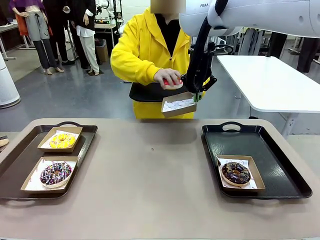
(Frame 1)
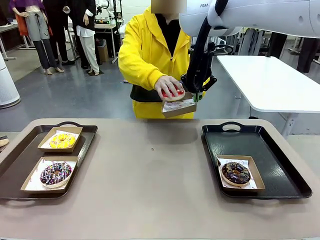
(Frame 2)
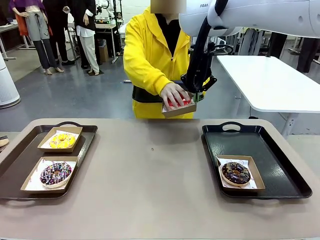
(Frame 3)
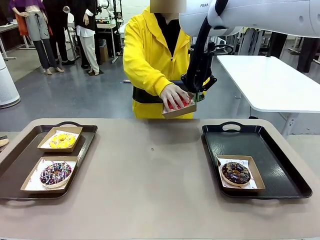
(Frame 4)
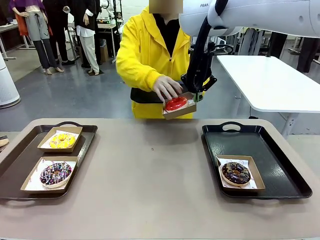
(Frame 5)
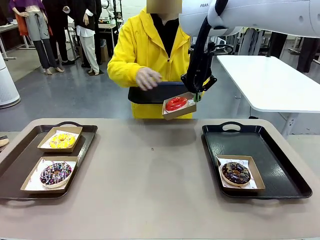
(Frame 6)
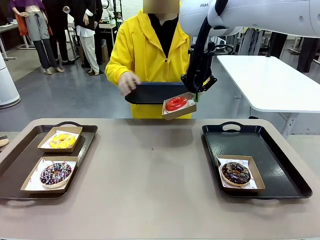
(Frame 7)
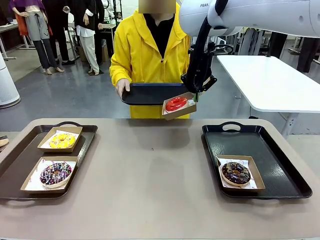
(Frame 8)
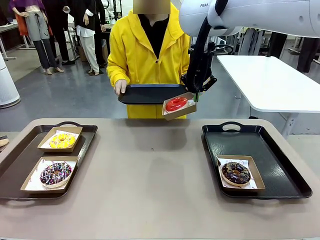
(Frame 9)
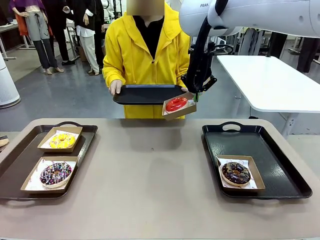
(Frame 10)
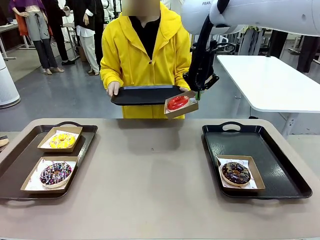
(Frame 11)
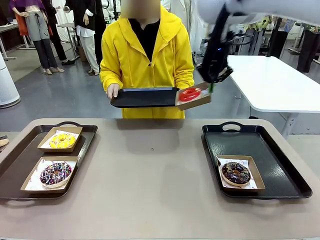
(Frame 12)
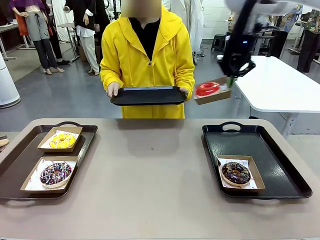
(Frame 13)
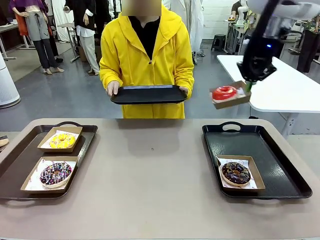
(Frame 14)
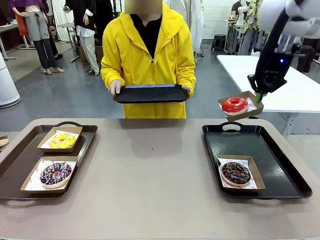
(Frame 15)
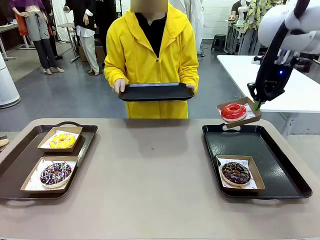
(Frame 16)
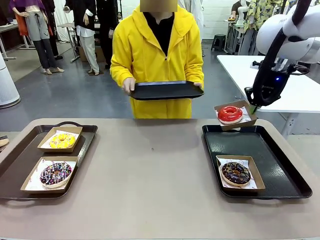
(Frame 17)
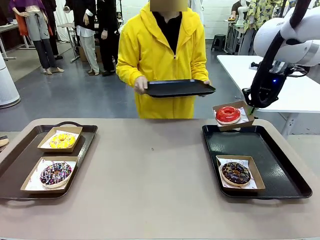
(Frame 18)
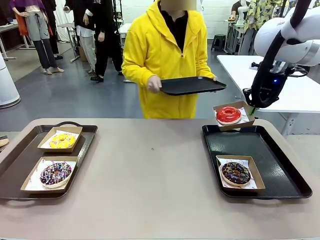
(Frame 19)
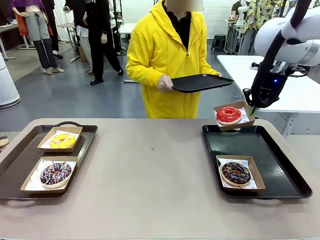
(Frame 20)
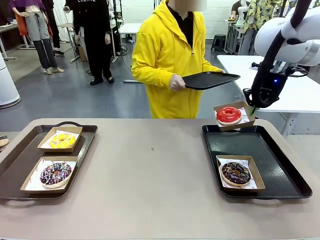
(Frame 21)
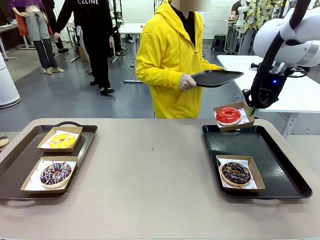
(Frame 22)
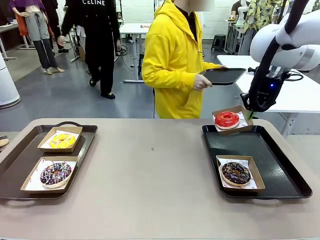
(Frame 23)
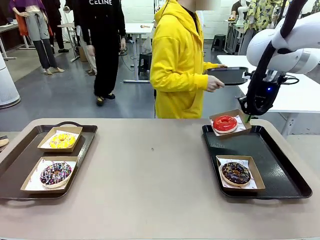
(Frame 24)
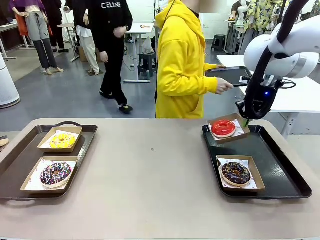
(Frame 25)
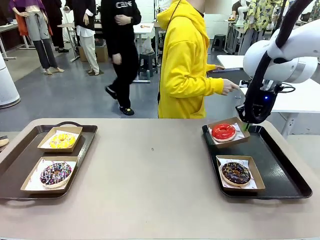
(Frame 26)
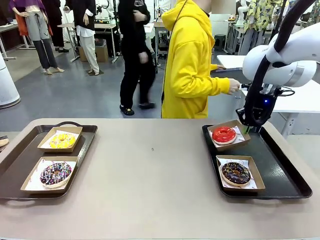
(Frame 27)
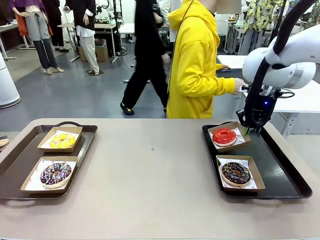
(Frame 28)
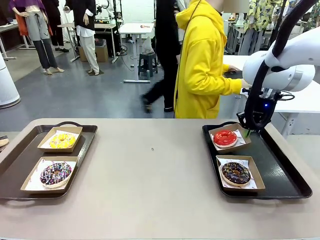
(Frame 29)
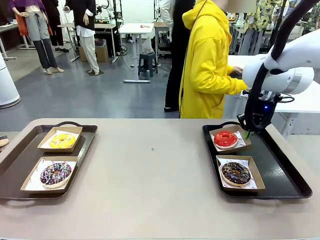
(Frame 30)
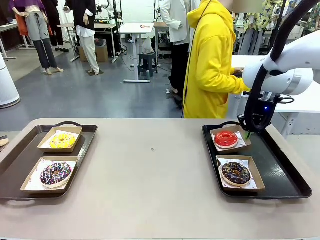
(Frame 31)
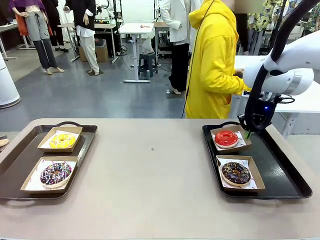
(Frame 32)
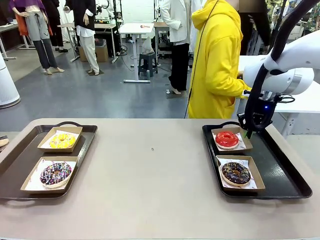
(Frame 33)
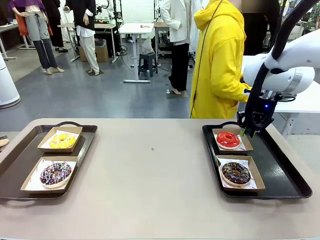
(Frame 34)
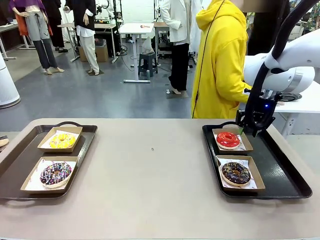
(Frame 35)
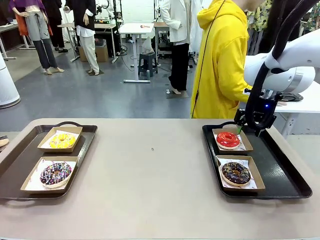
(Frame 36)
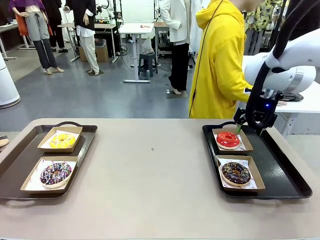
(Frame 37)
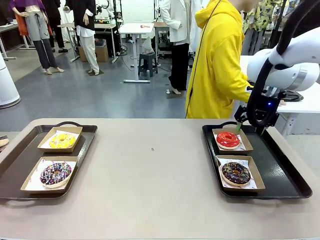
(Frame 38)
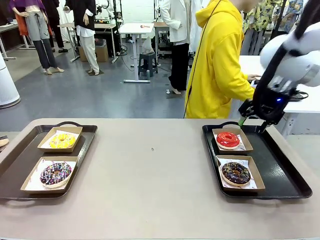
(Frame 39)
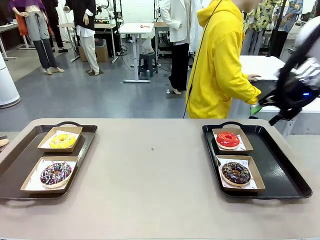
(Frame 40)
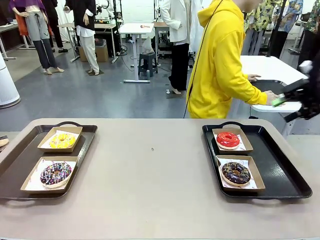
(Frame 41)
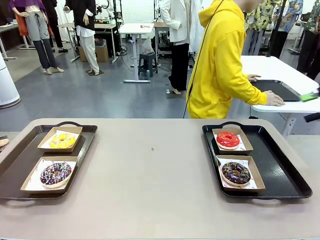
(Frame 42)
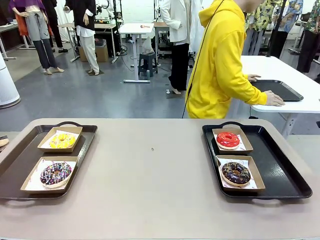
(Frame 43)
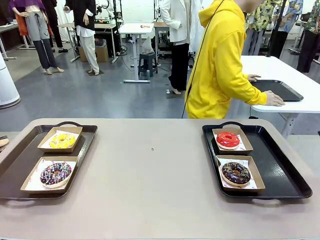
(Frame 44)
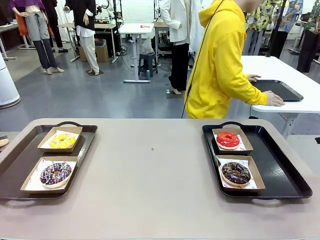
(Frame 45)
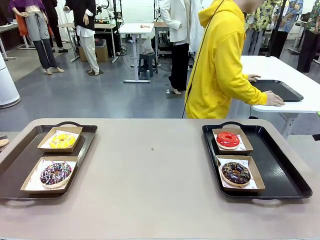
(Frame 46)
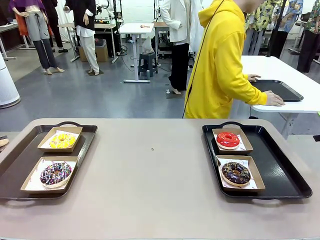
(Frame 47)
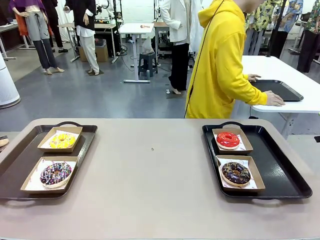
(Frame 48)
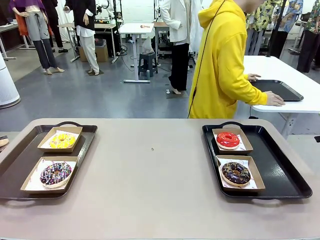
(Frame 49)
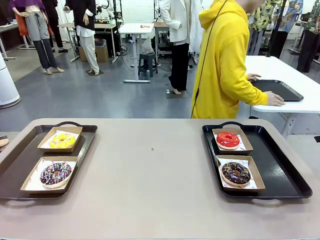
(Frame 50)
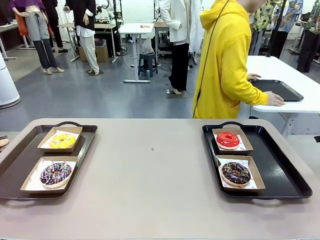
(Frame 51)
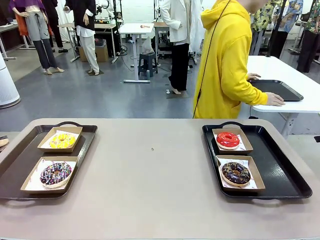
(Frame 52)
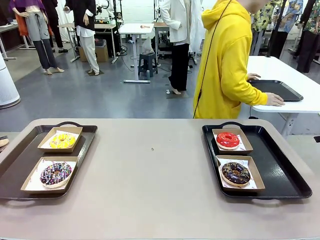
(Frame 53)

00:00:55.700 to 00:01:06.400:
Task: Individually package the donuts and arrange them on the tray.
Robot: Place the picked Paper togo box on the Handle tray.
Person: Place the tray down in the middle of the human table.

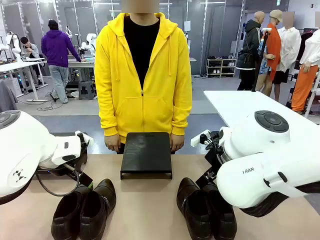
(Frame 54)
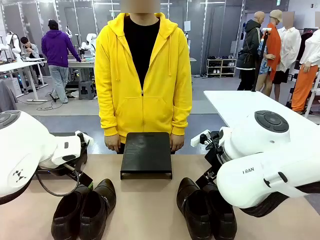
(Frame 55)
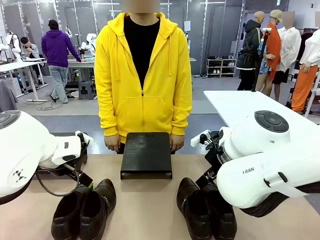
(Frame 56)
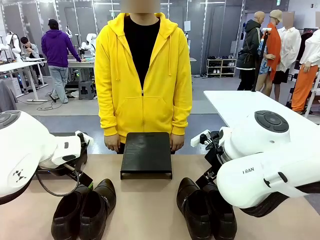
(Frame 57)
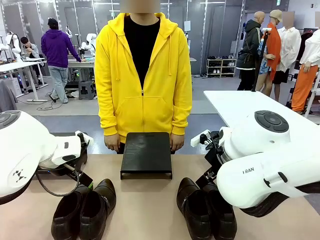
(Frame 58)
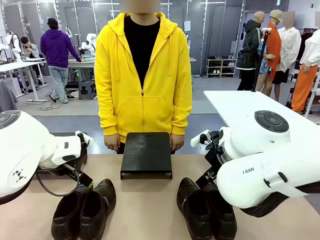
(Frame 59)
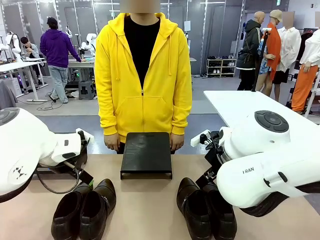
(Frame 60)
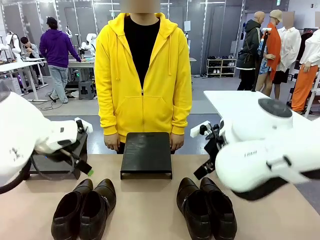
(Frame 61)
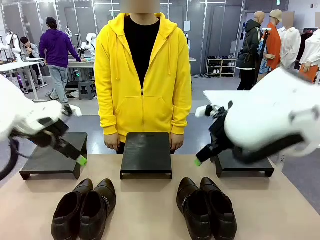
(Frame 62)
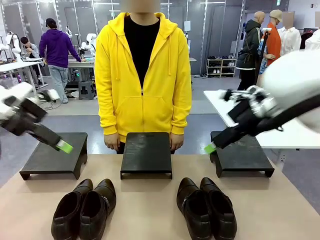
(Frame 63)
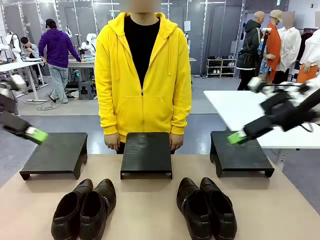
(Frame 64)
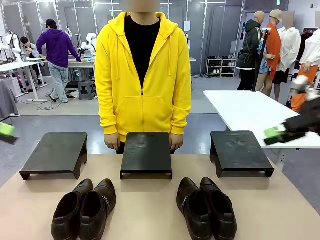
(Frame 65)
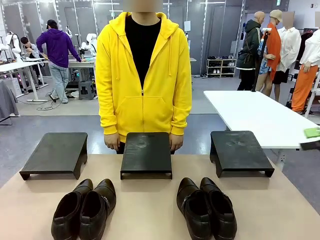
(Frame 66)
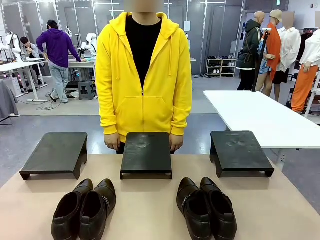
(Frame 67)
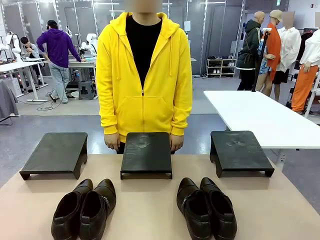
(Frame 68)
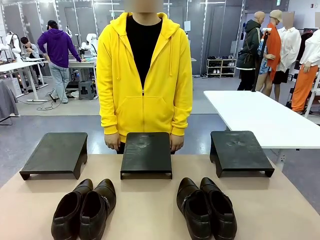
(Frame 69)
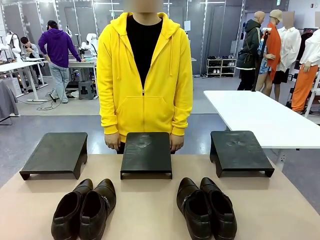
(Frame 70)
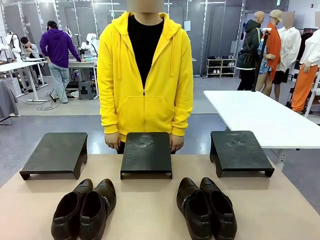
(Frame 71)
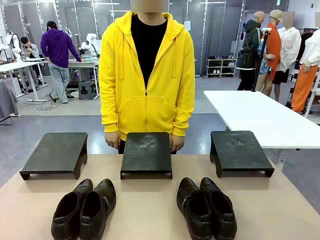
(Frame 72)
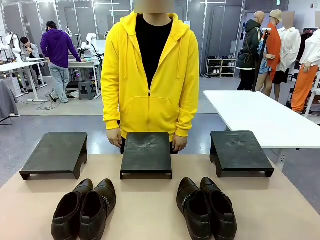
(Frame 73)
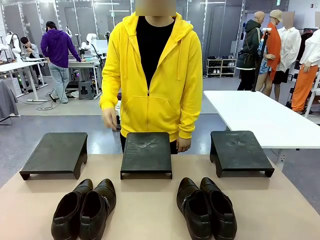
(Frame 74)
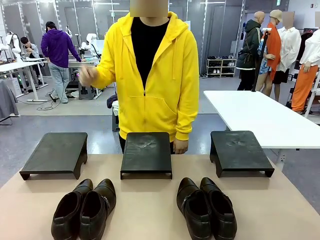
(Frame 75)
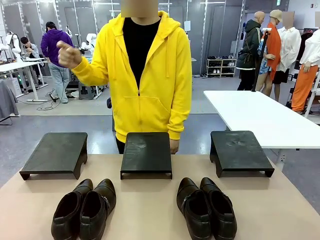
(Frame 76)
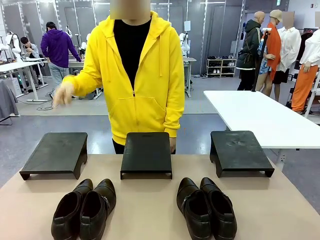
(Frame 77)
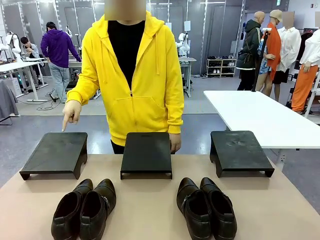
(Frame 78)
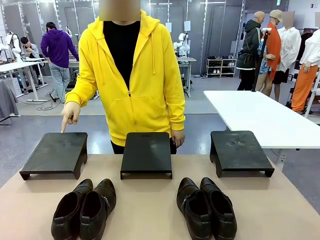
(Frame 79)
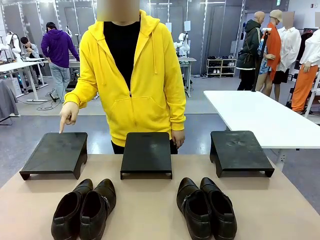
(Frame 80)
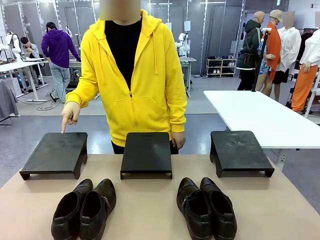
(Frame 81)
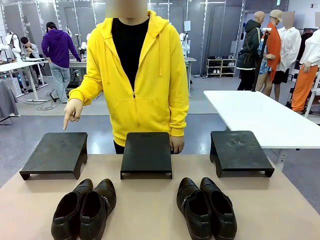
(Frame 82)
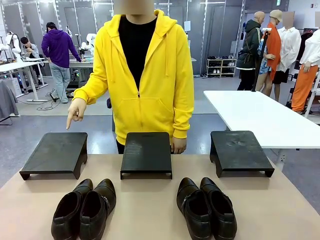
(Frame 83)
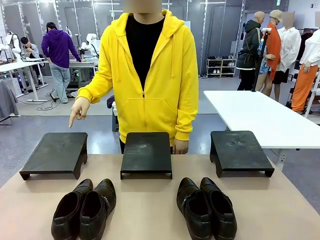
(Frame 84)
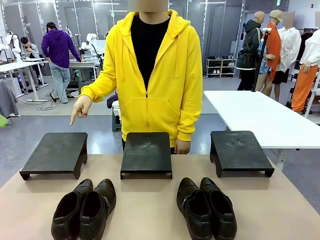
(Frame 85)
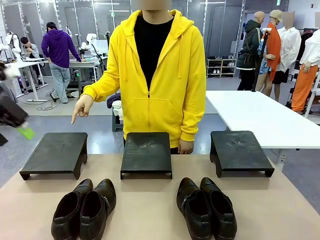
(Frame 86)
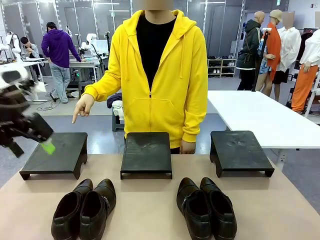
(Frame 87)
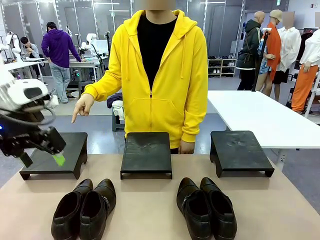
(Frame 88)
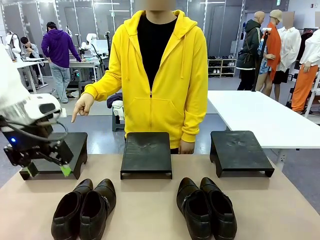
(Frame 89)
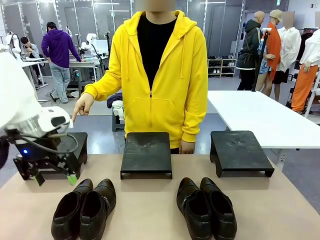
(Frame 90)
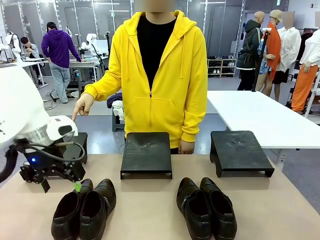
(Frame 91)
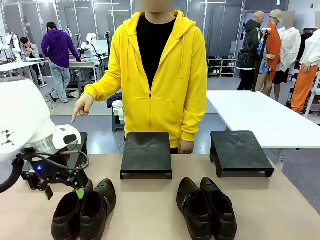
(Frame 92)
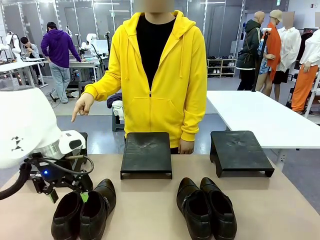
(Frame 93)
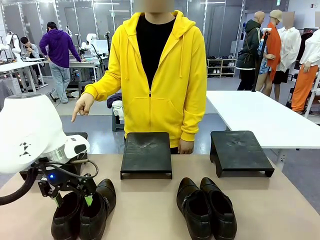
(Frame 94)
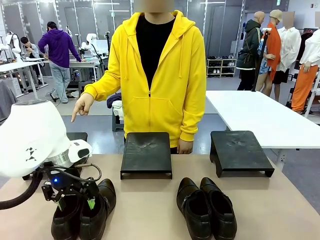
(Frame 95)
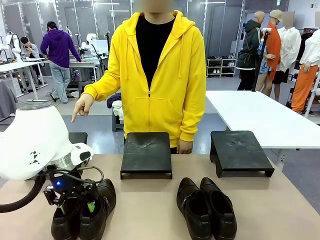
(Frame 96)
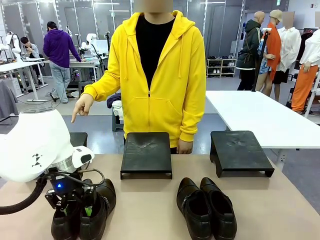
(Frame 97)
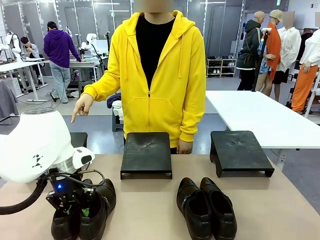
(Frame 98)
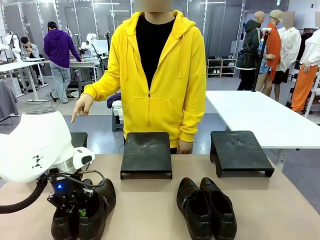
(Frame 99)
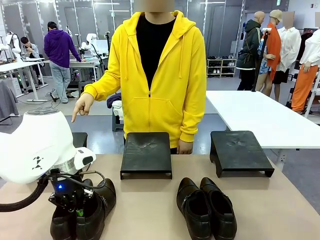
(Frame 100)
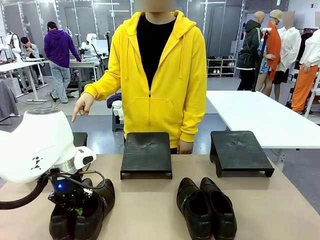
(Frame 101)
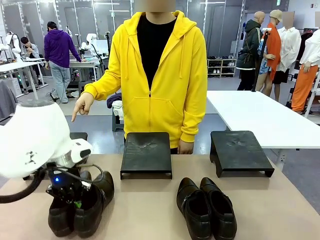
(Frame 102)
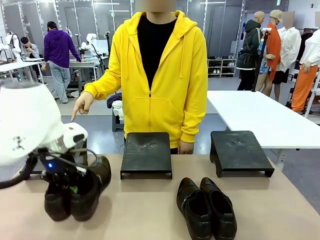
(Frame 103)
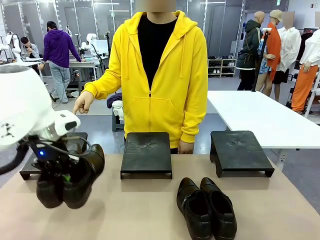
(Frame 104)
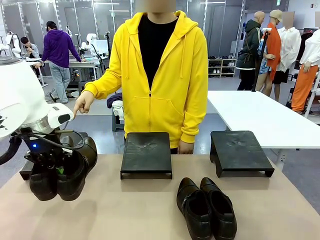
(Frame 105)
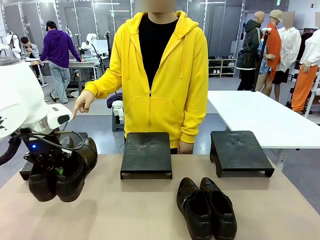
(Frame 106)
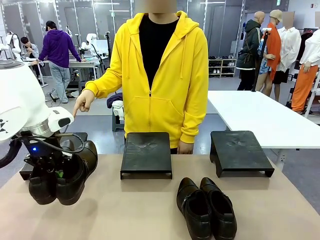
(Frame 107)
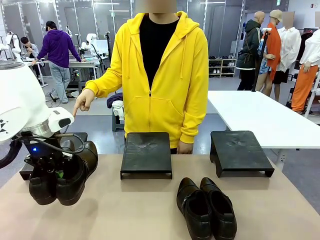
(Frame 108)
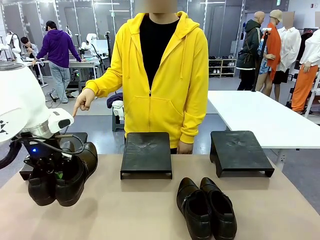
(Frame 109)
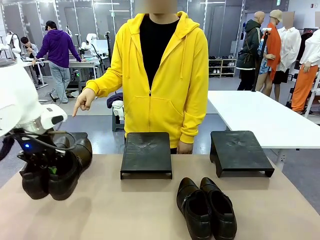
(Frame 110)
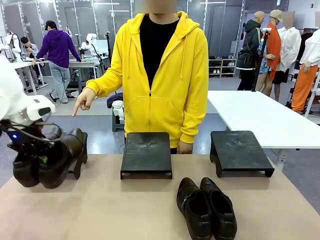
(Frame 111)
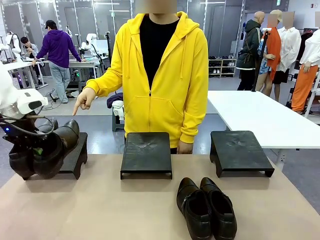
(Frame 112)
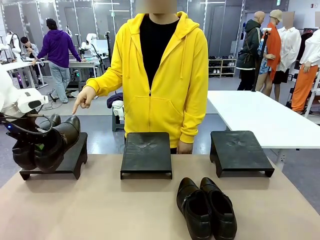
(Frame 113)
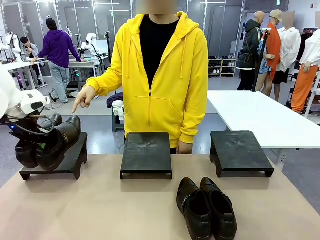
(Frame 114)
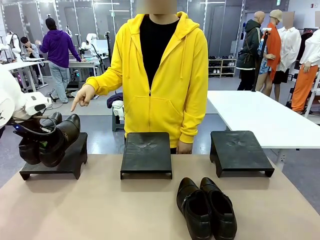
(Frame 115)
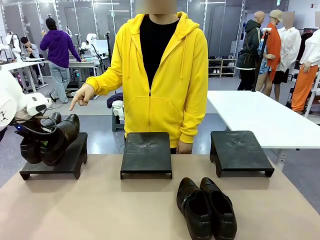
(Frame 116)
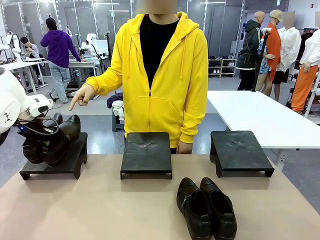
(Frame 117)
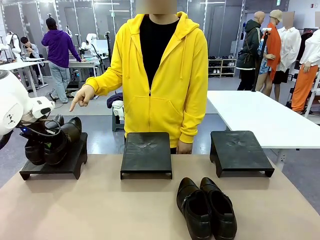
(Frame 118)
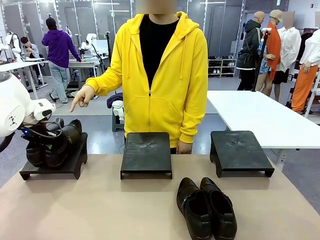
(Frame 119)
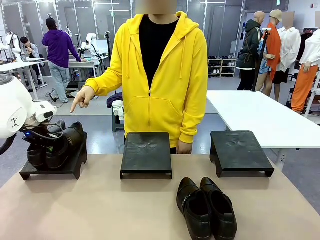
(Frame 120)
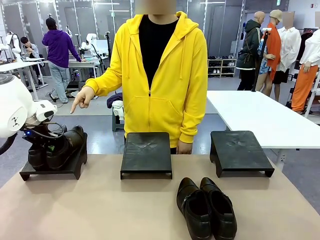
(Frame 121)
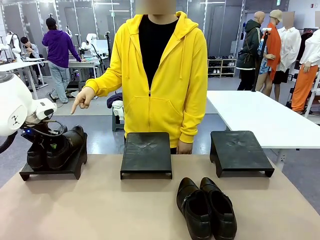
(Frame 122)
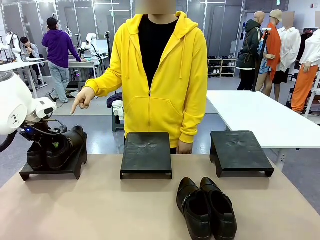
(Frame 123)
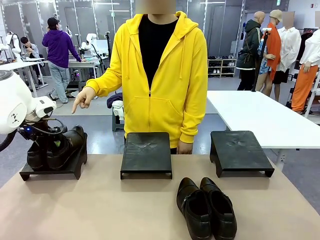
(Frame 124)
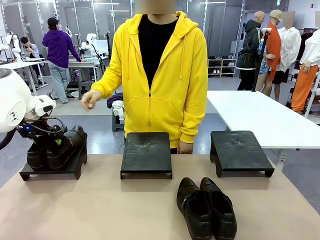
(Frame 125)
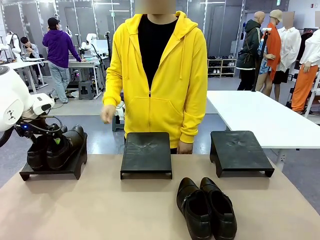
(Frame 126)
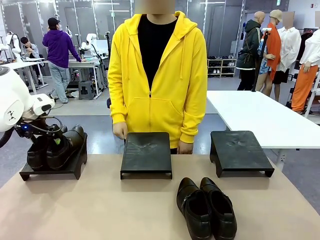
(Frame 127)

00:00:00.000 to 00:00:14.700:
Task: Place the shoes on the stand as instructed by the person.
Robot: Pick up one pair of Shoes and place it on the Shoes Stand indicated by the person.
